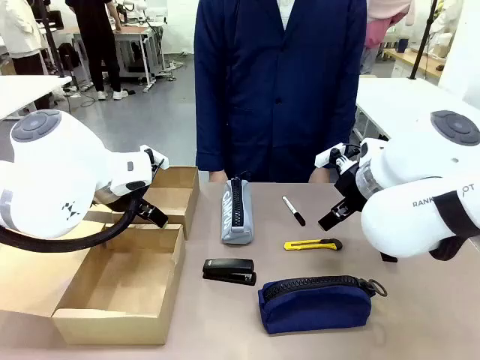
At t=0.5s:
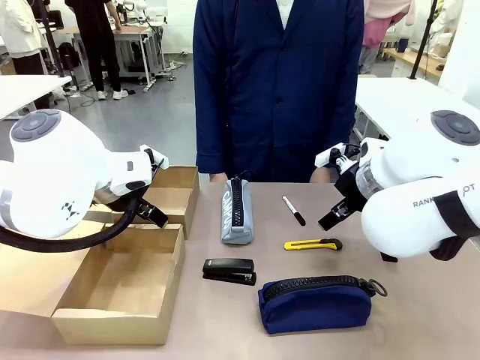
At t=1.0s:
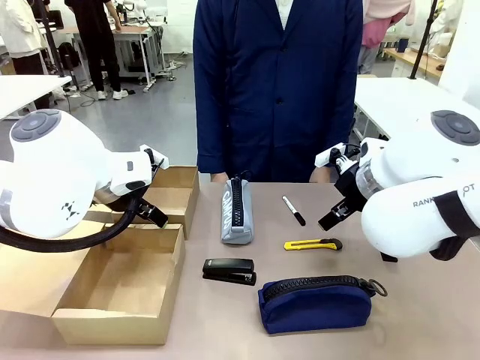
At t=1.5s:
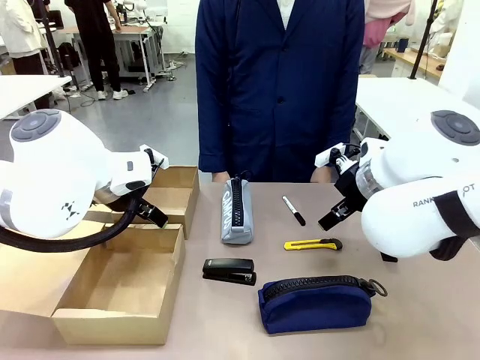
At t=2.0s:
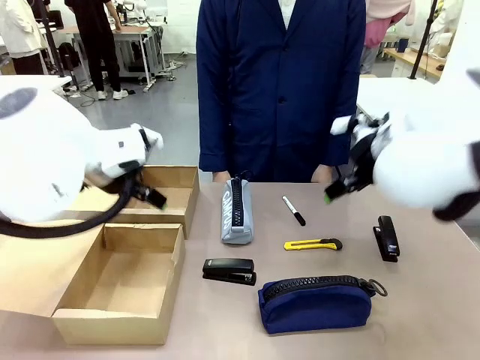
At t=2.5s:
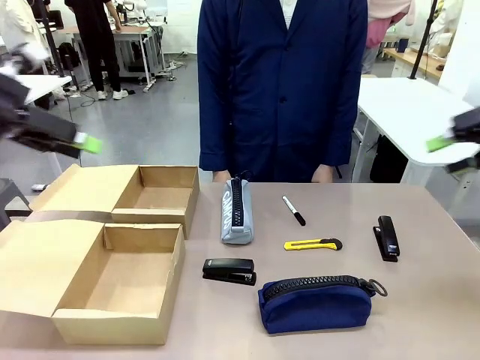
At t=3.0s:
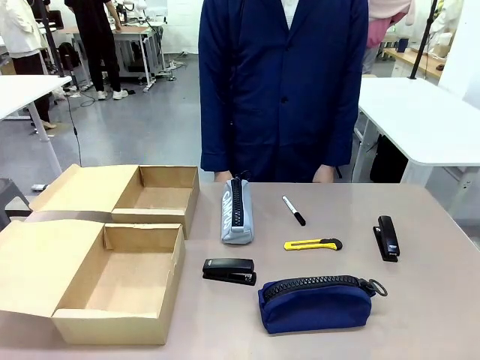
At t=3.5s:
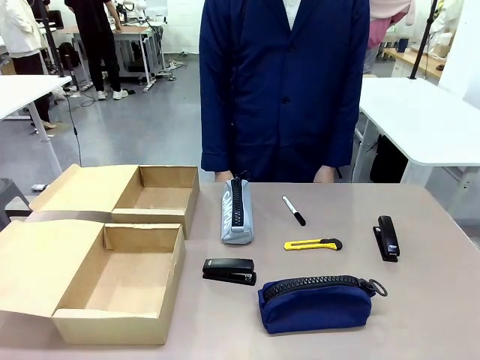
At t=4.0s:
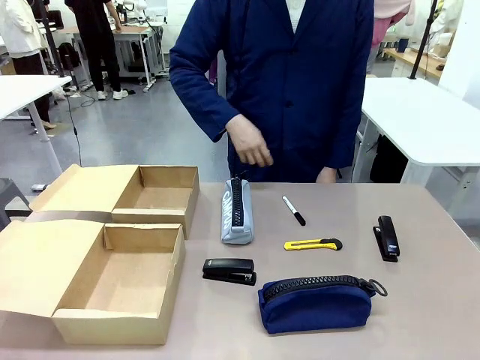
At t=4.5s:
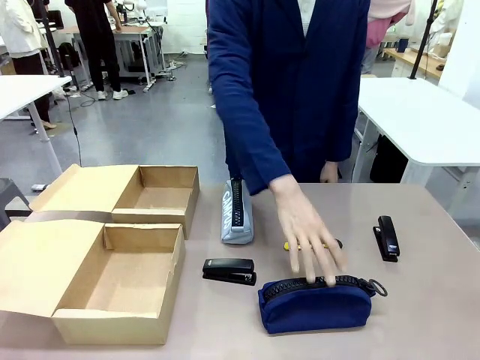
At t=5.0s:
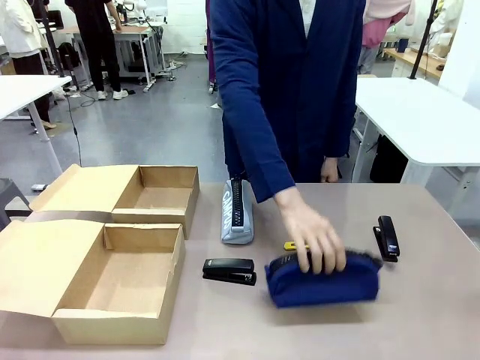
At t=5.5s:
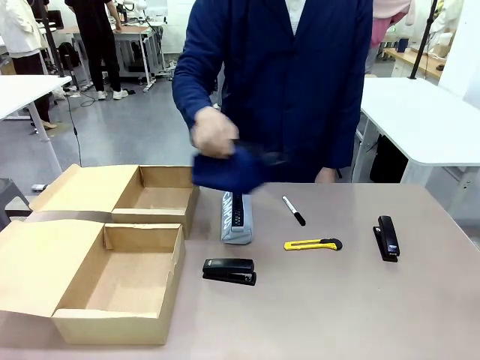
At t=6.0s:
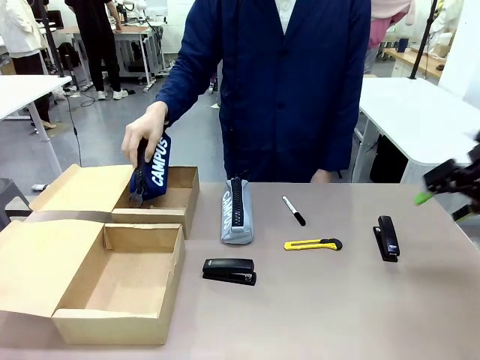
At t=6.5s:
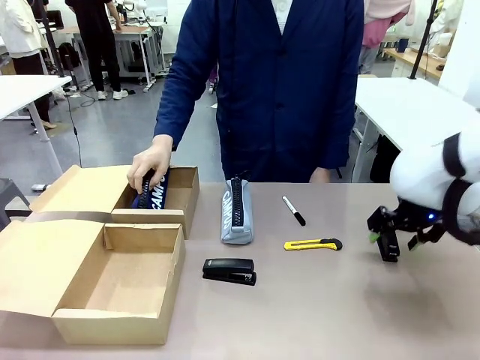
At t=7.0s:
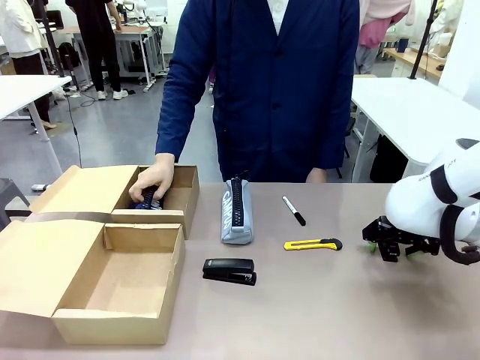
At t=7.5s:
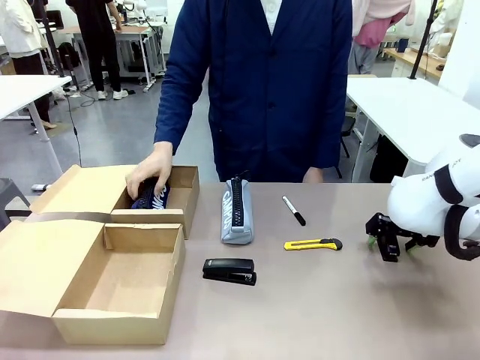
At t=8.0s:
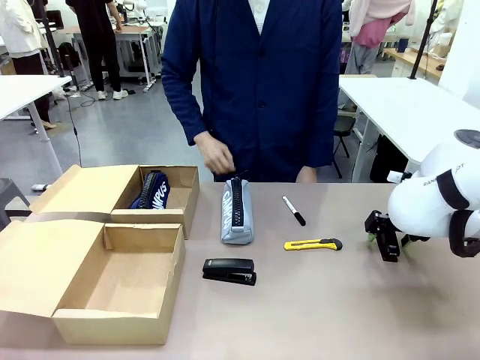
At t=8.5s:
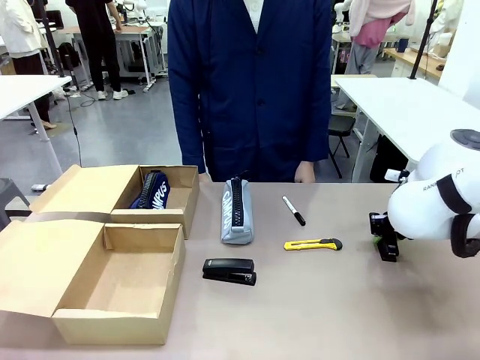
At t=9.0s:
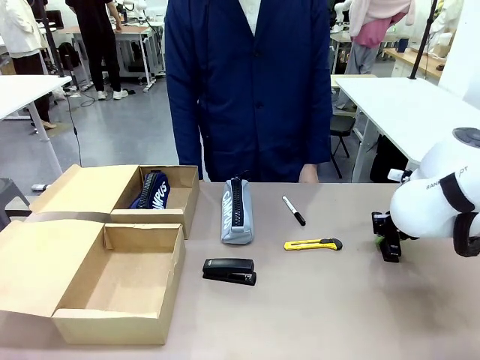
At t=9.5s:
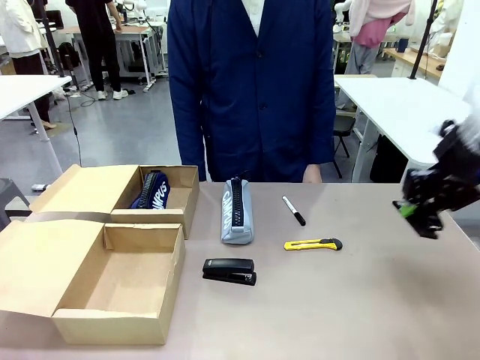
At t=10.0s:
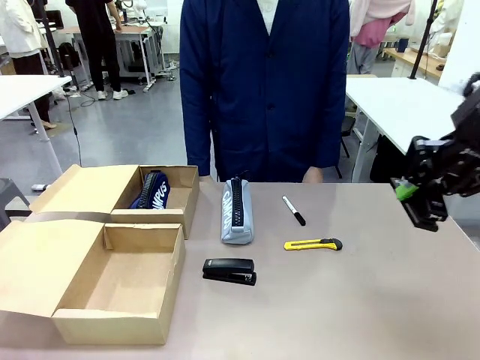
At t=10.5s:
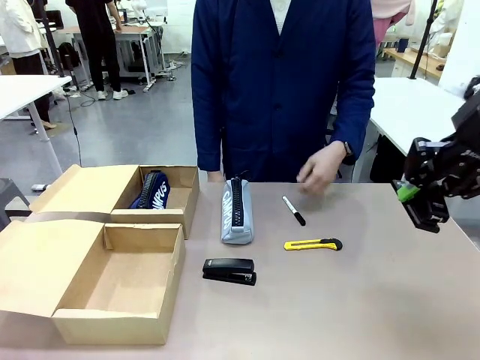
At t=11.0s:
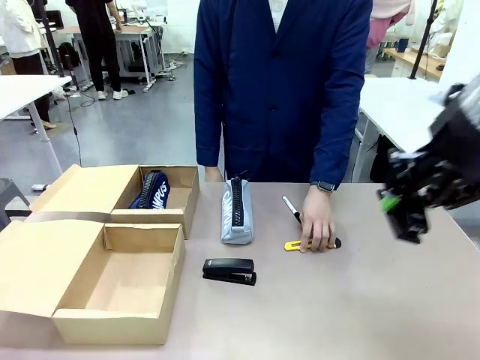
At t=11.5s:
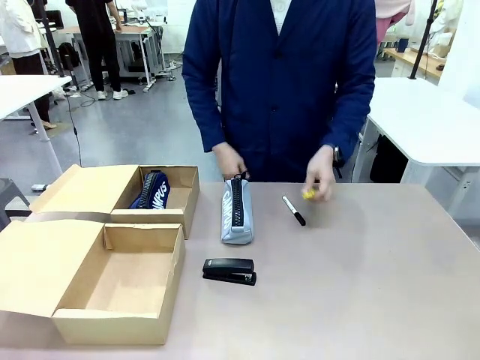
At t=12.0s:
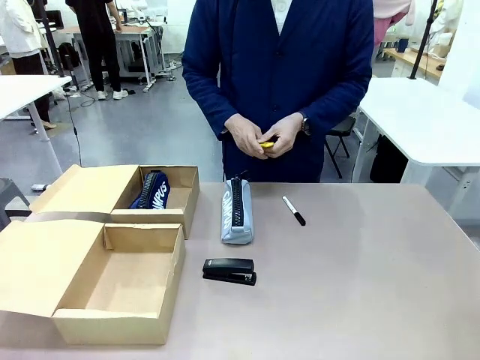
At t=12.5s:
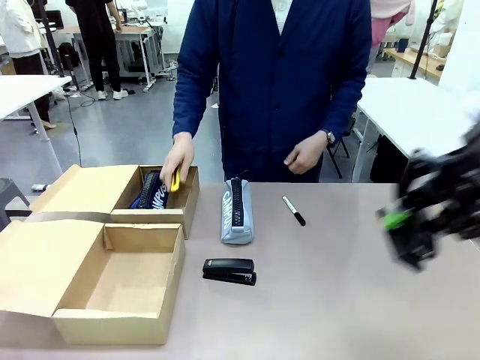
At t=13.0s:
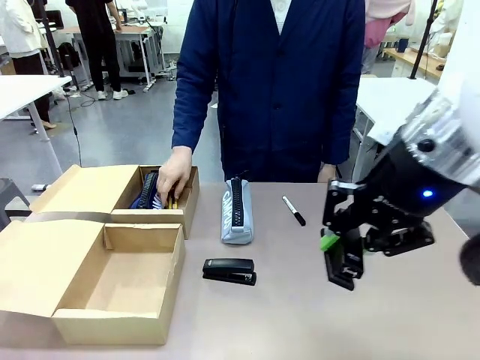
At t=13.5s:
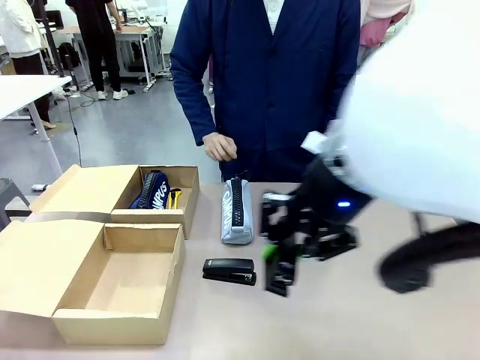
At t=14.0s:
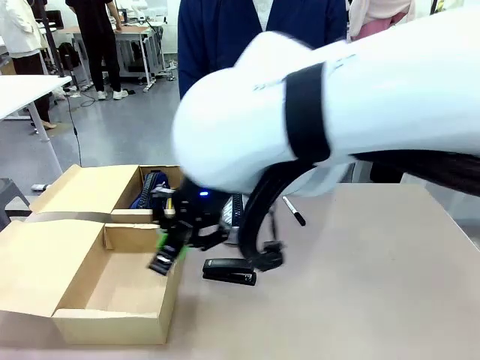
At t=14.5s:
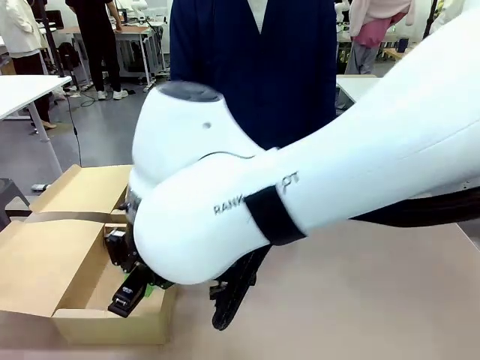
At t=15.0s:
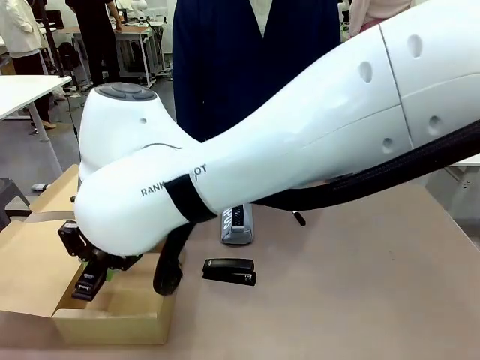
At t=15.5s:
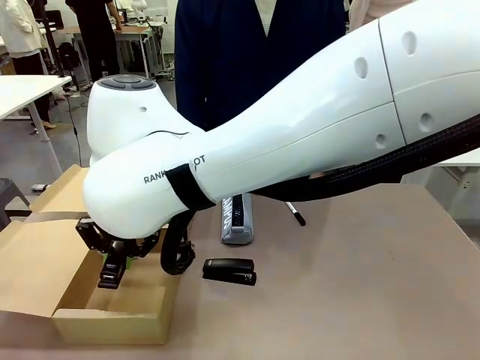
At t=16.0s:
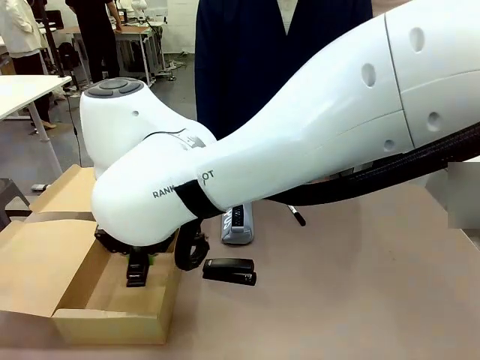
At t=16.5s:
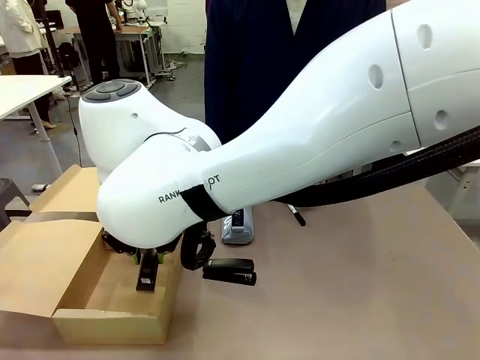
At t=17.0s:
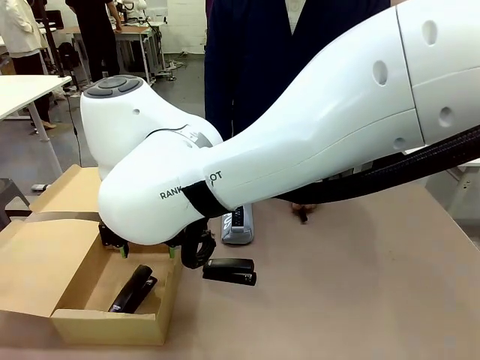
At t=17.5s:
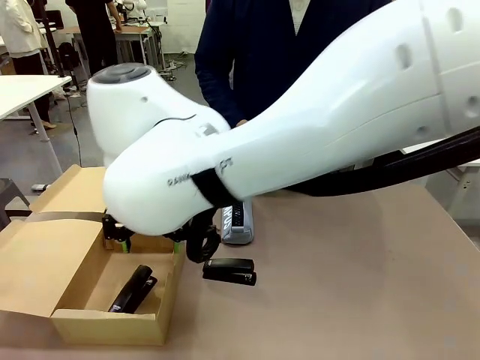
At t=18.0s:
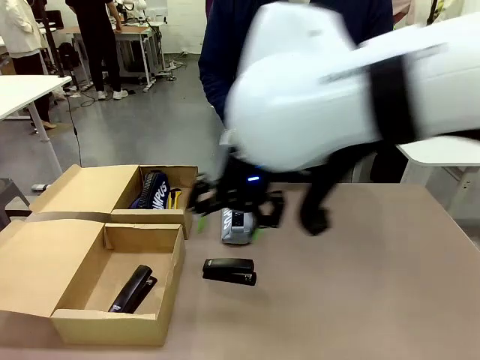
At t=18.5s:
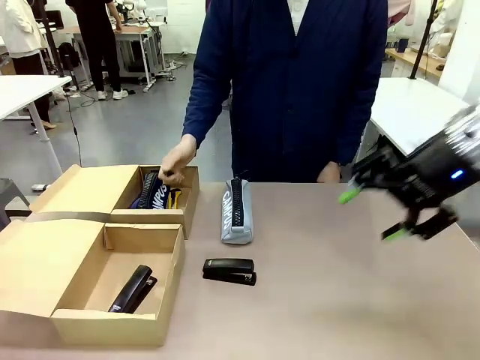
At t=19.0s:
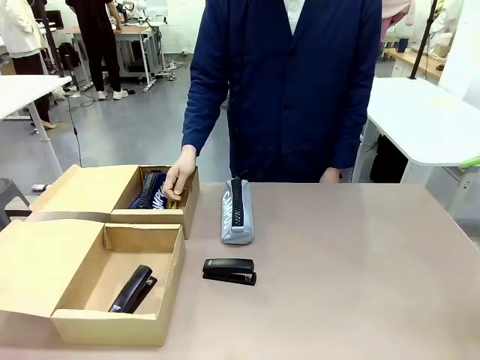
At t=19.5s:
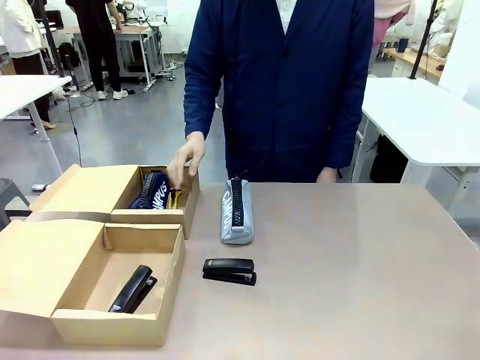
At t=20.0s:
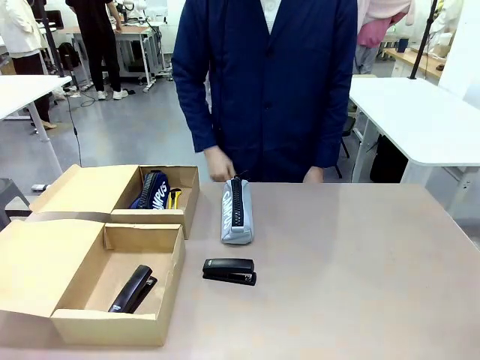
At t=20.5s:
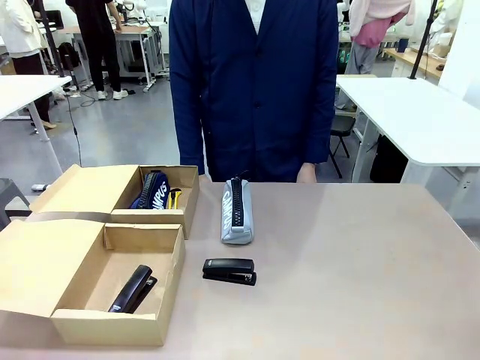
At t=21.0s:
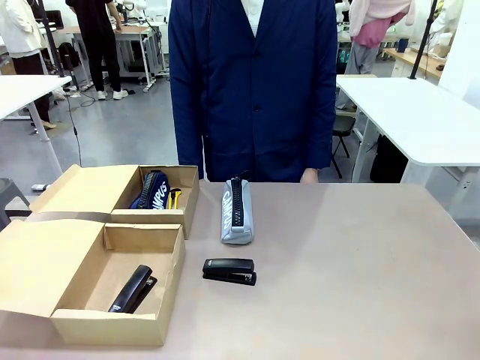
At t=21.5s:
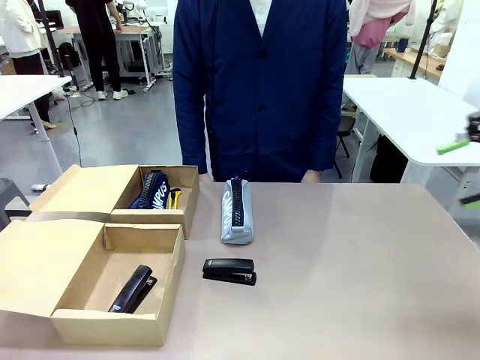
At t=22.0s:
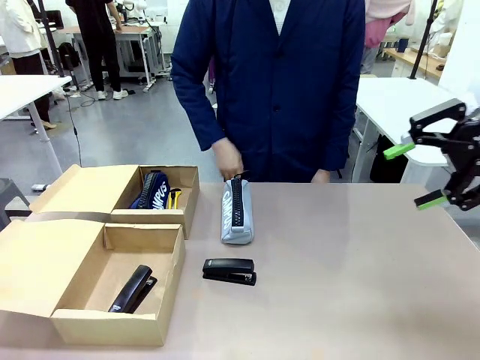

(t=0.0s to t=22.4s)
Task: Place items inside the box.
Robot: Pick up a Pencil pouch or Stapler and place it inside the Mailer Box closest to the robot.
Person: Pick up an object on the table and put it in the box.
